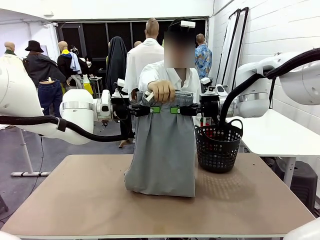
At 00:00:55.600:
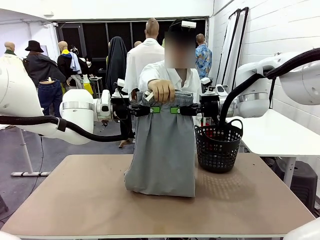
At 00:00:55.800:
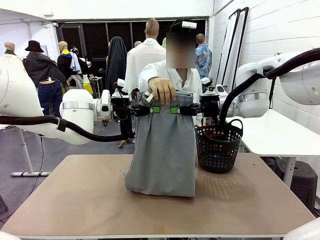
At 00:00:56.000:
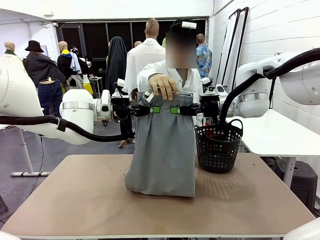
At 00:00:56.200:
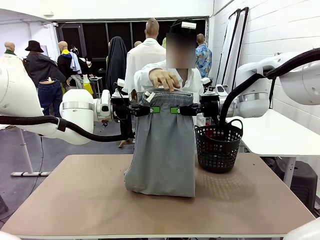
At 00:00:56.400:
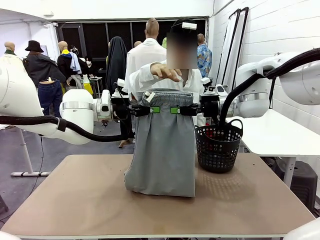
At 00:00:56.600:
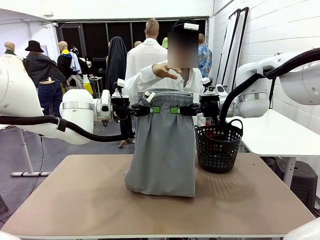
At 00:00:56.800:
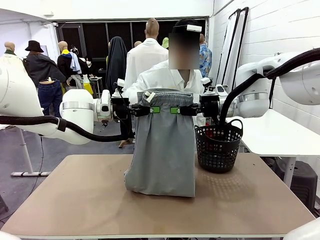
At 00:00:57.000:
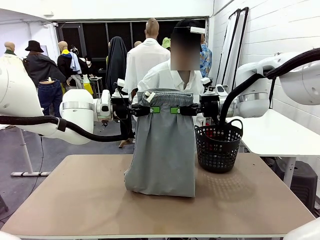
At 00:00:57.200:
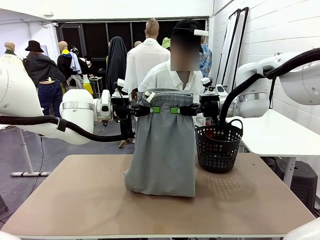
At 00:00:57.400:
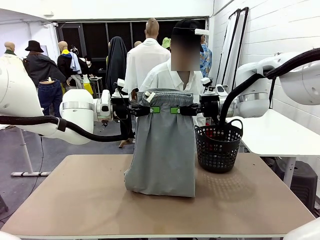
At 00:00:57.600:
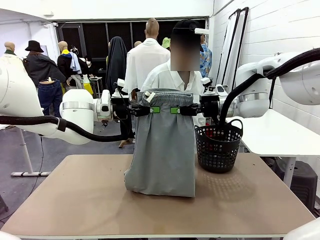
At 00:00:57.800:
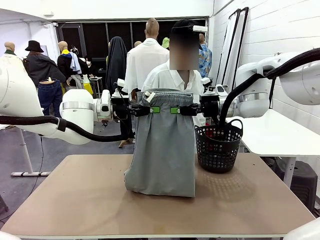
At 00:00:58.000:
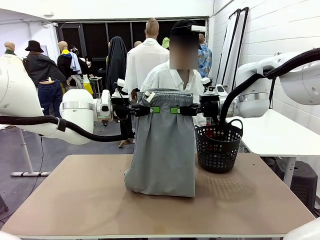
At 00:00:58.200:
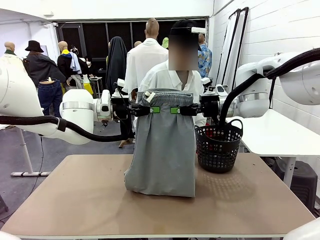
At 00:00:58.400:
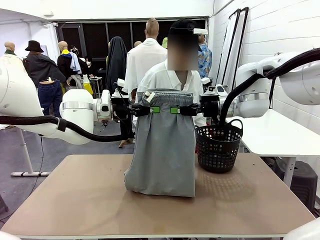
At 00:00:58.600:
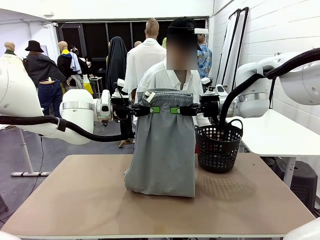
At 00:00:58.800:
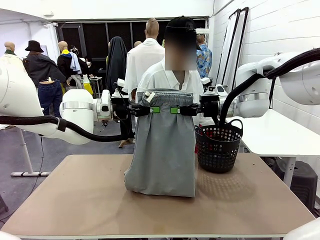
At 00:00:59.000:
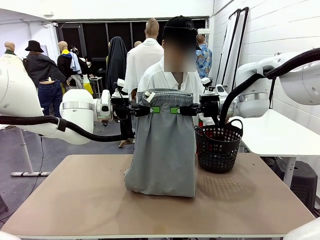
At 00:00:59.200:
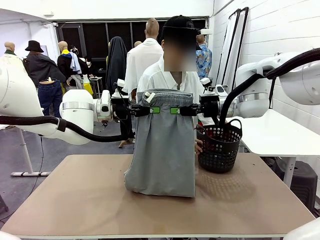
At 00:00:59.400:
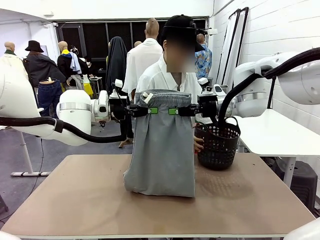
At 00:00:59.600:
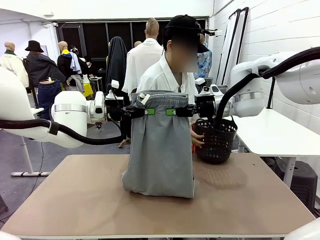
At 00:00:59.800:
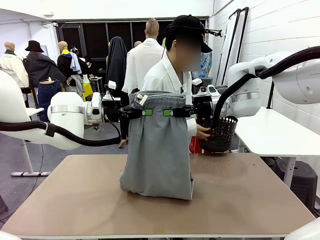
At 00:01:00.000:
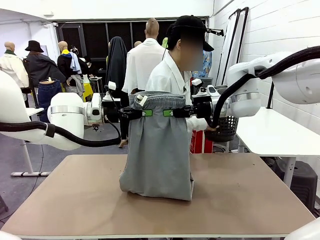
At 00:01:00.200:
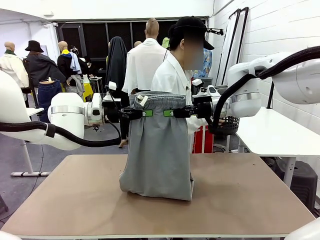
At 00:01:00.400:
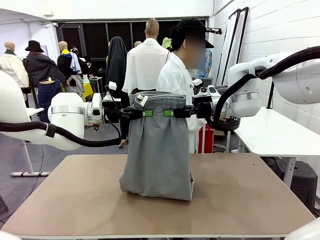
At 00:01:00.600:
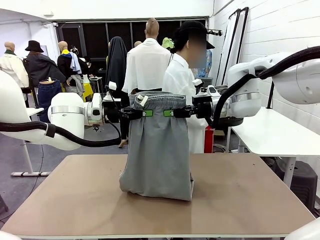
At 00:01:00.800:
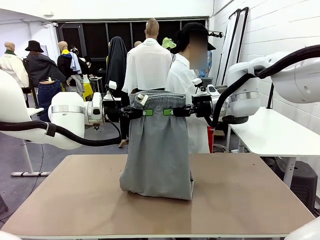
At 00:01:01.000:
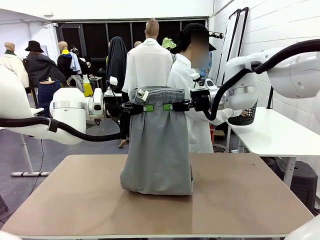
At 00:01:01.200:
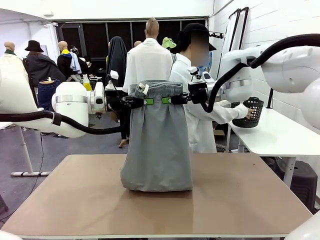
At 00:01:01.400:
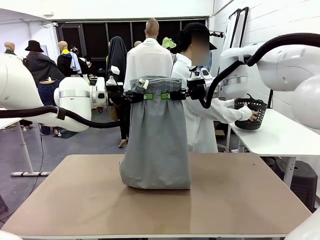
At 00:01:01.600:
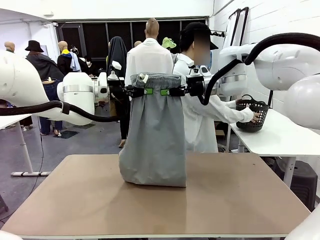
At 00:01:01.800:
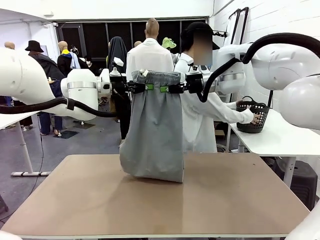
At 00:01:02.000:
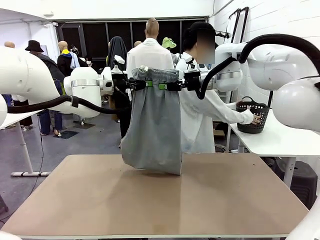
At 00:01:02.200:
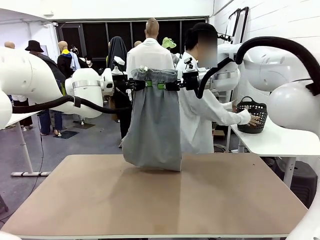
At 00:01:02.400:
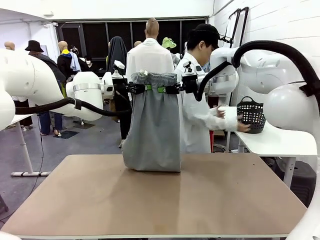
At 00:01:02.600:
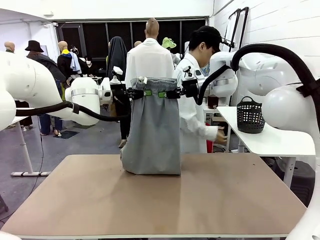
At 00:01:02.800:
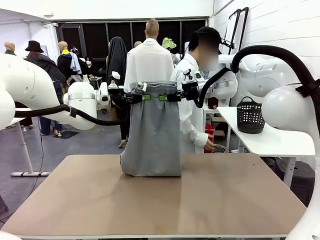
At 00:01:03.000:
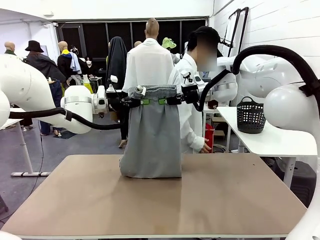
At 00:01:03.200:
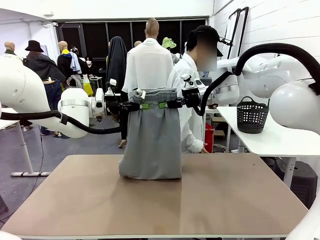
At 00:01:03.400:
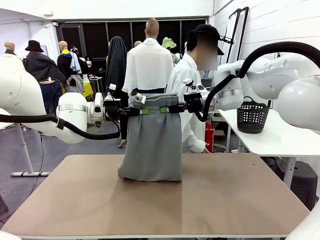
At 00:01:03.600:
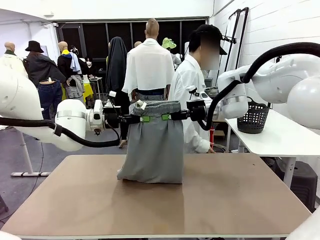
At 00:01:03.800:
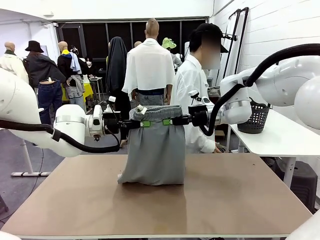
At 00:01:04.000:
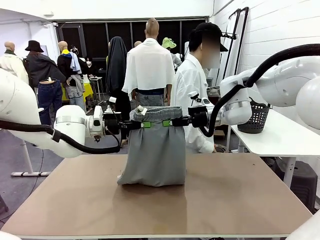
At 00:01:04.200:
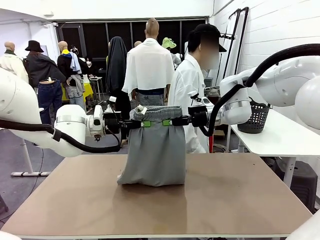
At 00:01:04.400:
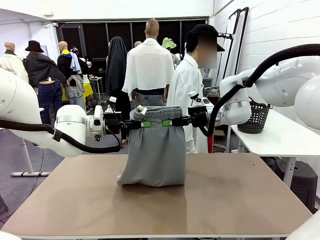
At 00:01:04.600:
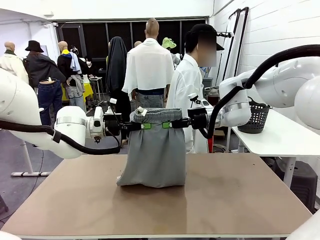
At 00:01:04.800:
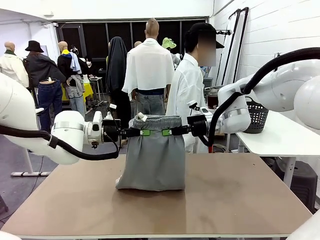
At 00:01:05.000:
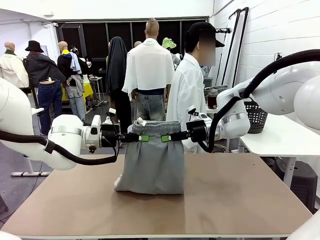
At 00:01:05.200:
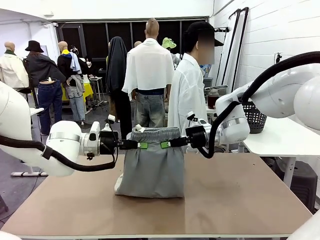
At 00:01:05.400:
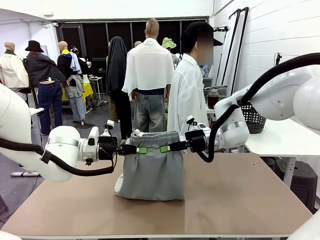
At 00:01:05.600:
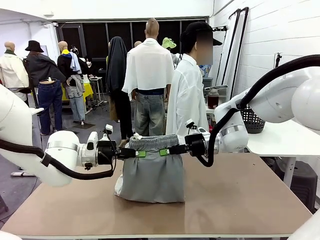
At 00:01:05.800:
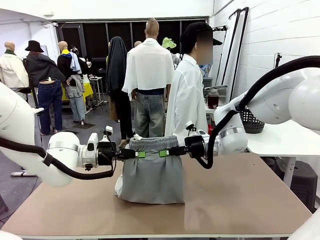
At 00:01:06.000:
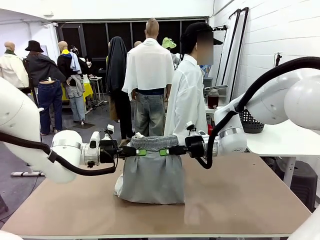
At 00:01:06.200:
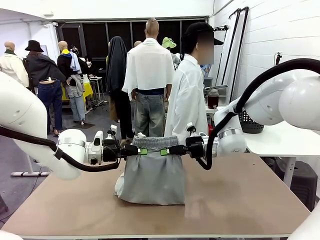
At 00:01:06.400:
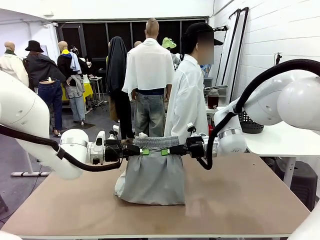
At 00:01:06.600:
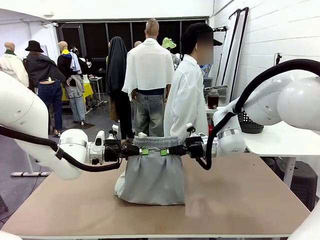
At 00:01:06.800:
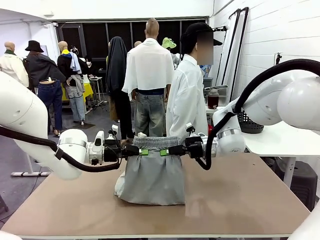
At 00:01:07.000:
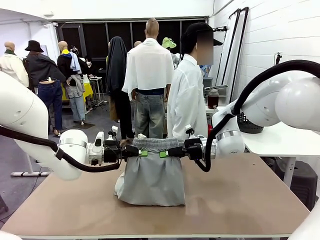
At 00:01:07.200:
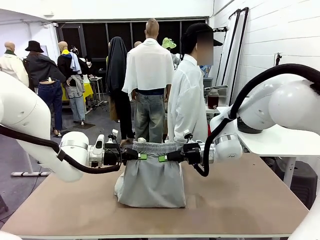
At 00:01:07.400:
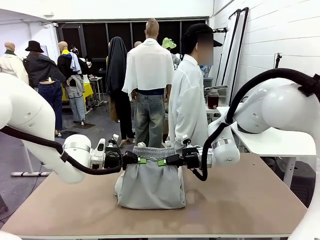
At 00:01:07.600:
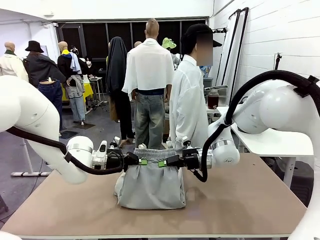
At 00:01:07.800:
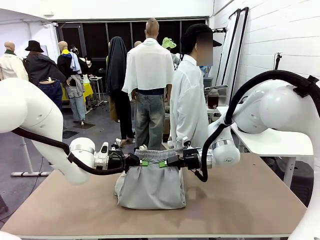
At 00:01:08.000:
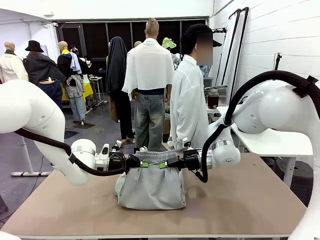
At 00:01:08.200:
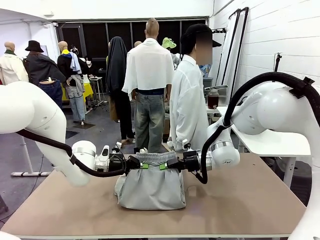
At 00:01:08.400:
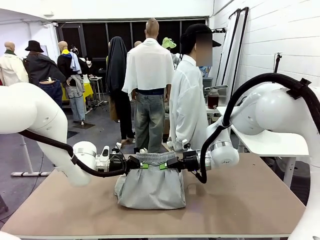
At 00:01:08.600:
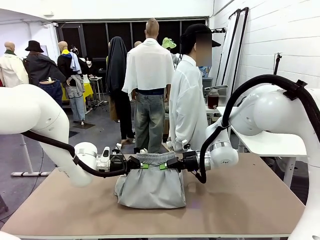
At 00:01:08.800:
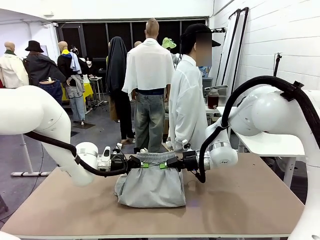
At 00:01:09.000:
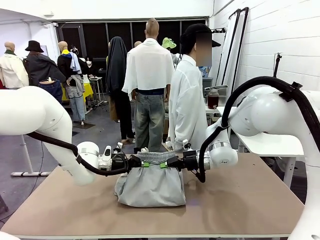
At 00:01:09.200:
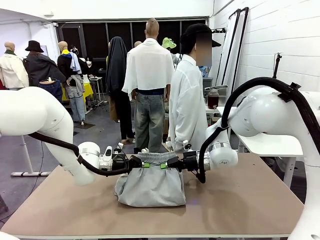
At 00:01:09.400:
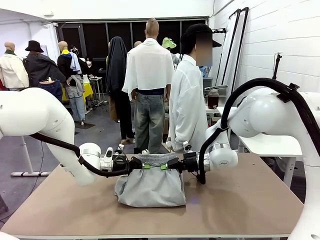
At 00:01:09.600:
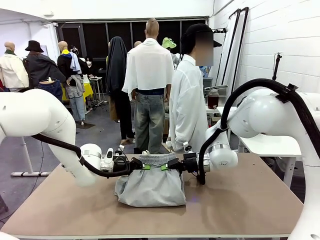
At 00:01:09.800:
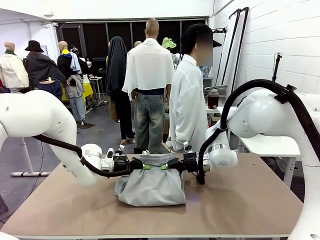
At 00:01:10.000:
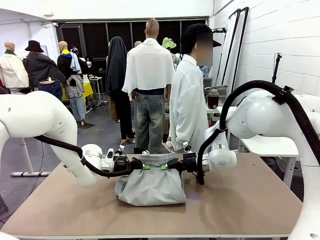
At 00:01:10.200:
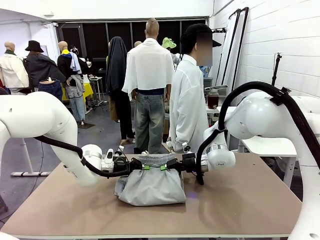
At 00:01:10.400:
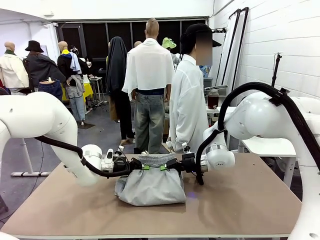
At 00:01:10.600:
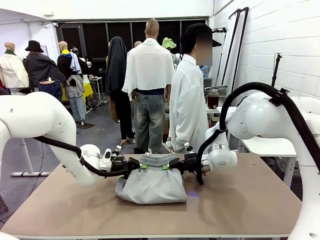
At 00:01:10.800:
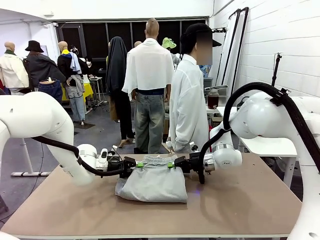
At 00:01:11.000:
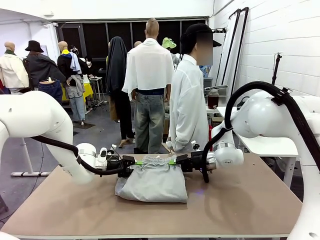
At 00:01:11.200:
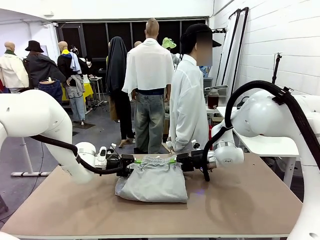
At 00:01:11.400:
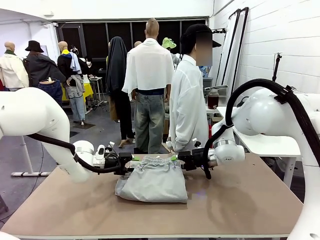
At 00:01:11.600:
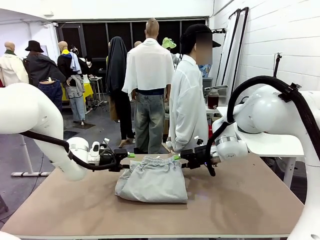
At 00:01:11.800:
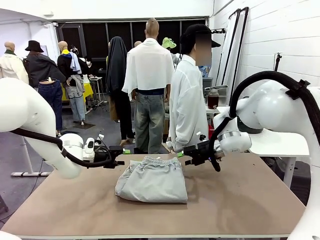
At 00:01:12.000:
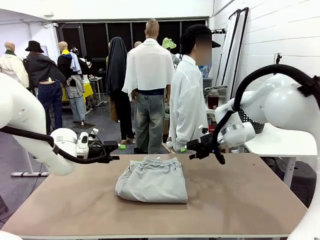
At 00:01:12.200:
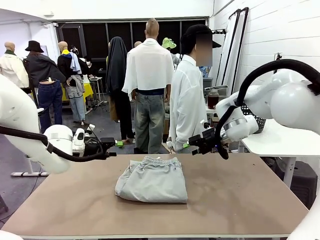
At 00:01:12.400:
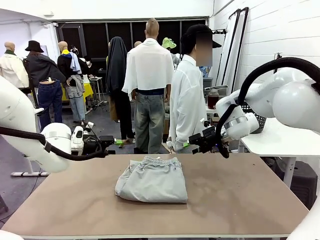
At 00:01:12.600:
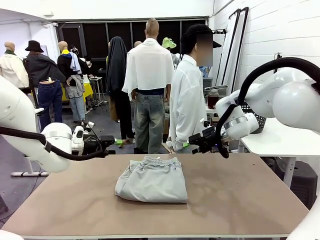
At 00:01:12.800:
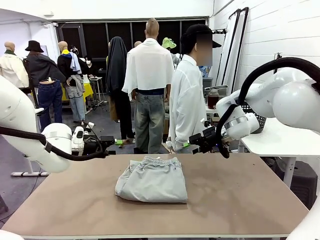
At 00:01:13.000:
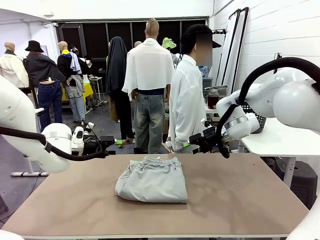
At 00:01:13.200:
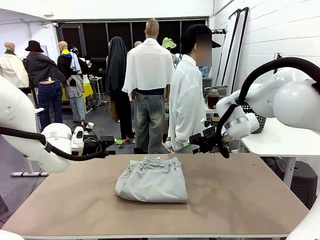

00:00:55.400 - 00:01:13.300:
Task: Fold the training pants.
Robot: Fold the Training pants in half.
Person: Move the laundry basket to the right of the human table.
